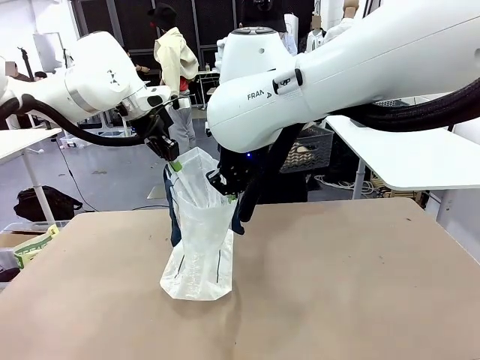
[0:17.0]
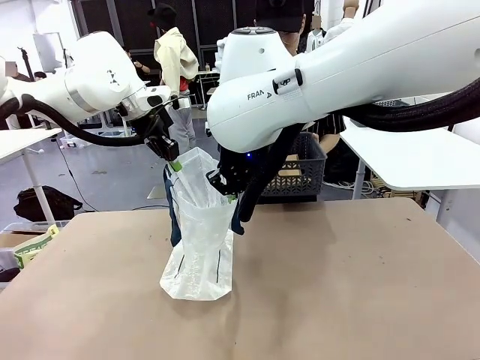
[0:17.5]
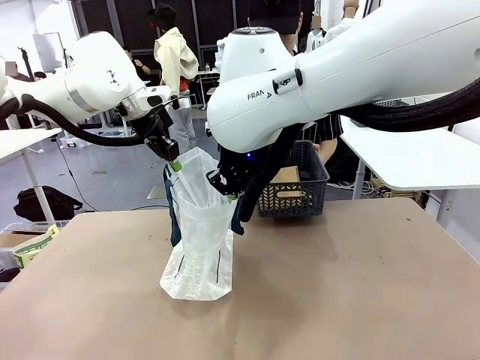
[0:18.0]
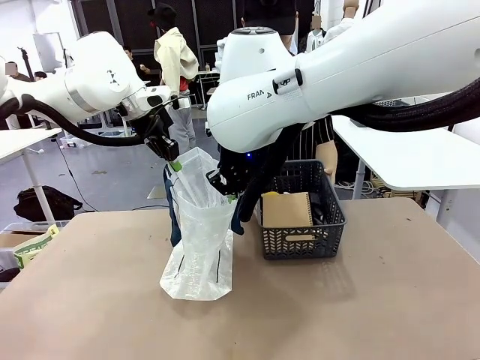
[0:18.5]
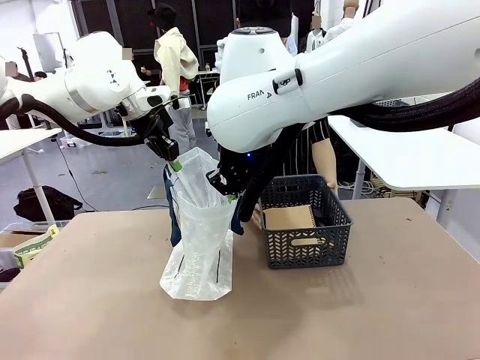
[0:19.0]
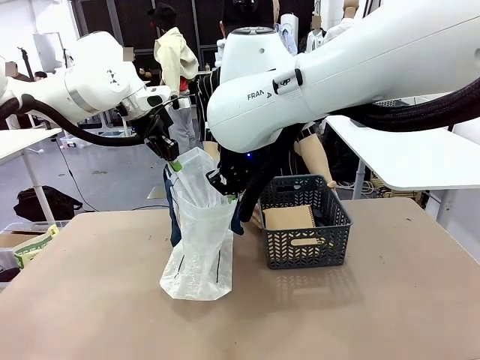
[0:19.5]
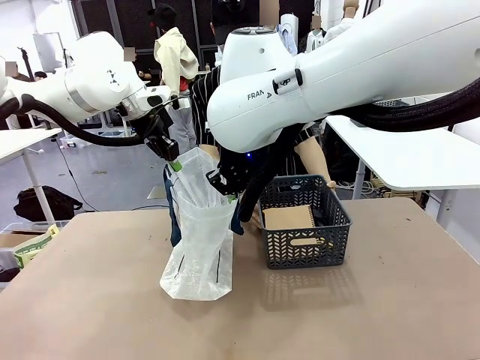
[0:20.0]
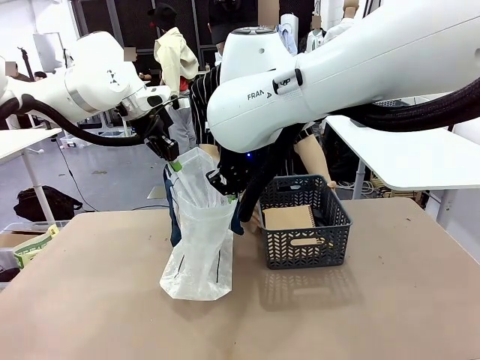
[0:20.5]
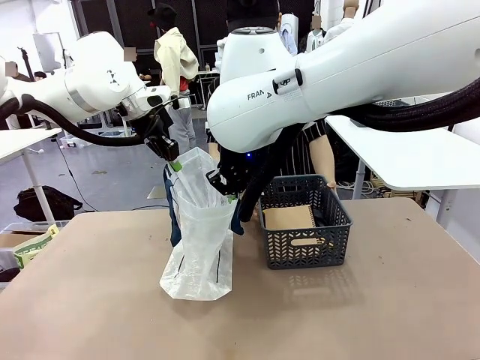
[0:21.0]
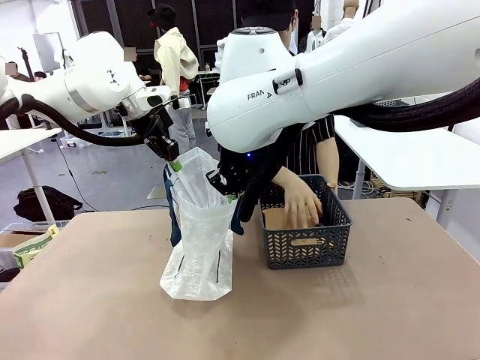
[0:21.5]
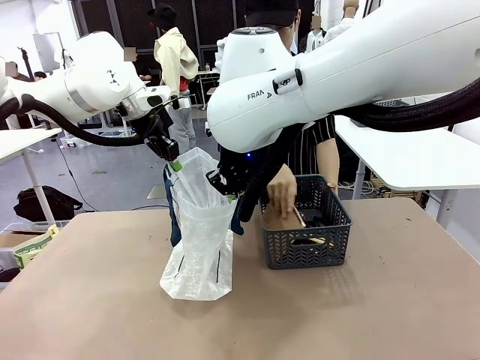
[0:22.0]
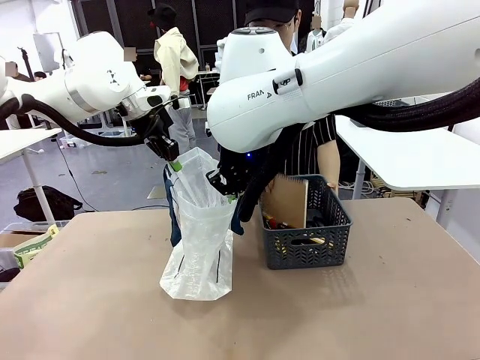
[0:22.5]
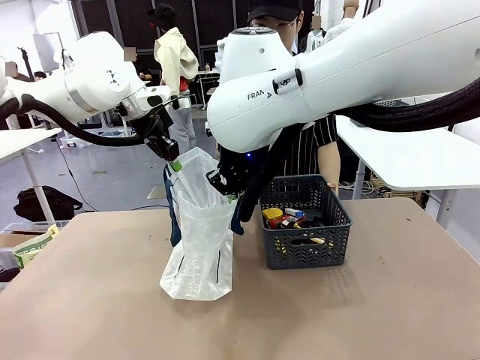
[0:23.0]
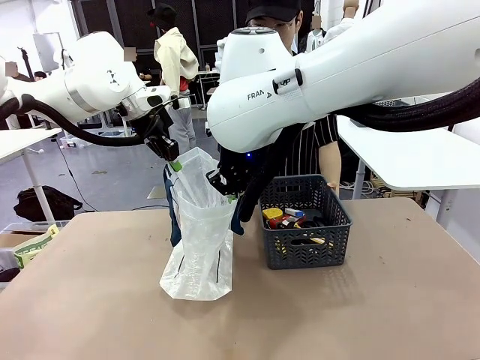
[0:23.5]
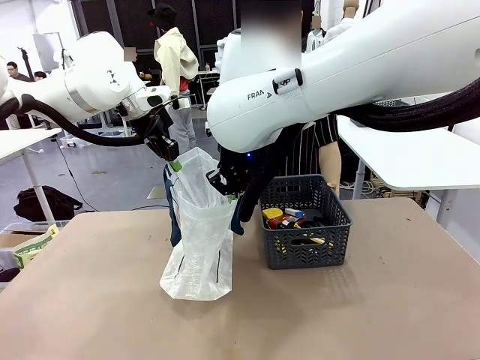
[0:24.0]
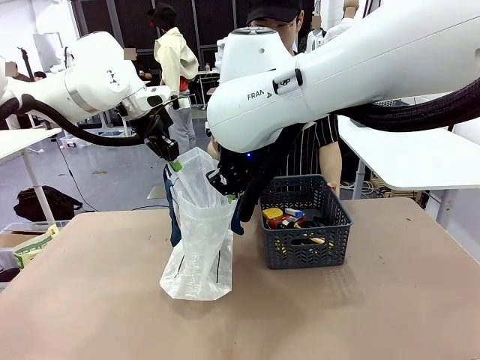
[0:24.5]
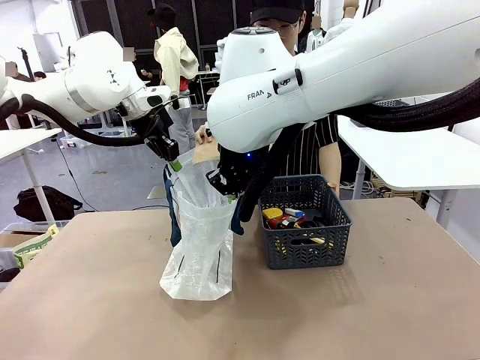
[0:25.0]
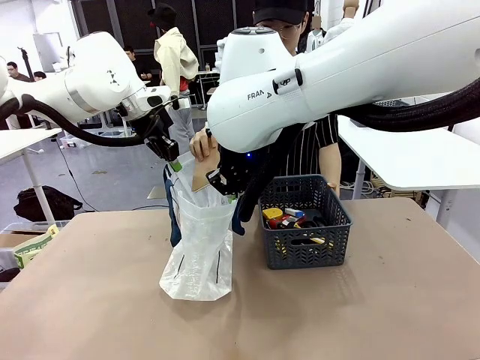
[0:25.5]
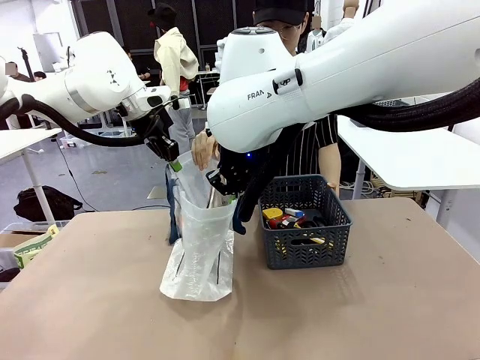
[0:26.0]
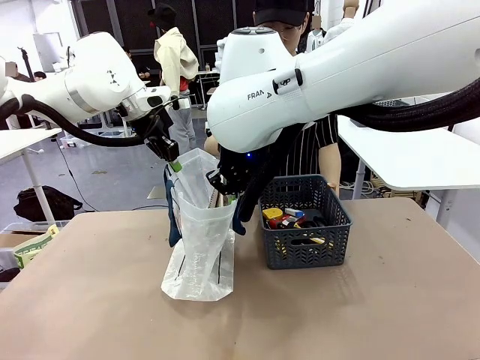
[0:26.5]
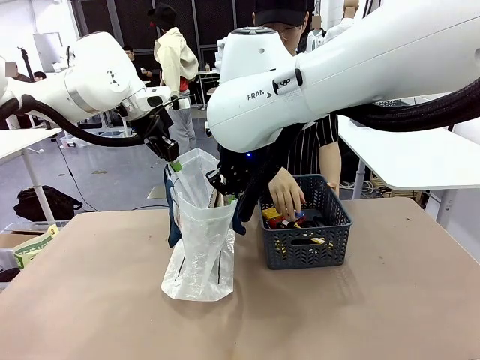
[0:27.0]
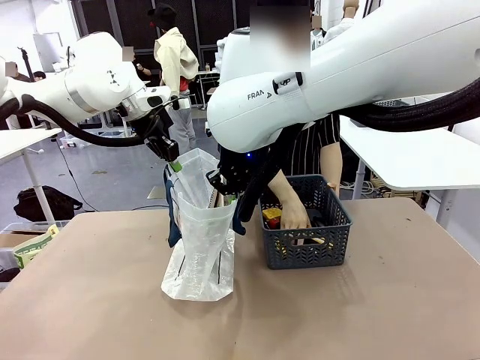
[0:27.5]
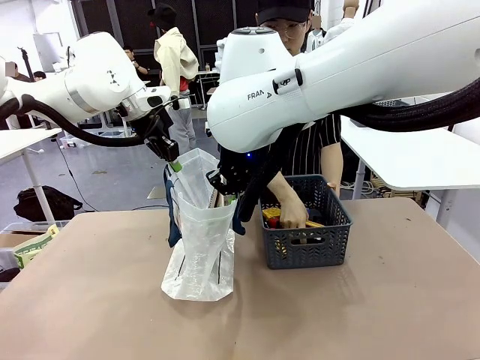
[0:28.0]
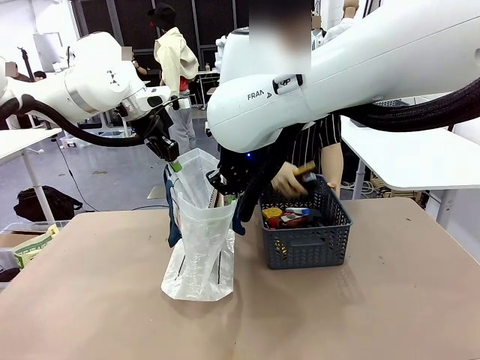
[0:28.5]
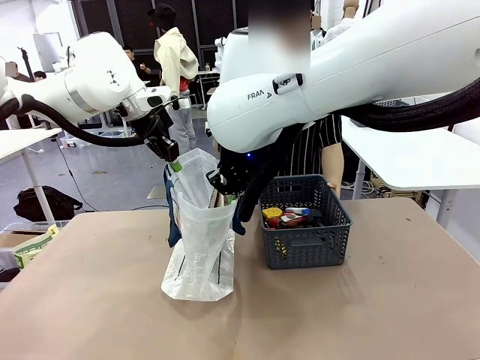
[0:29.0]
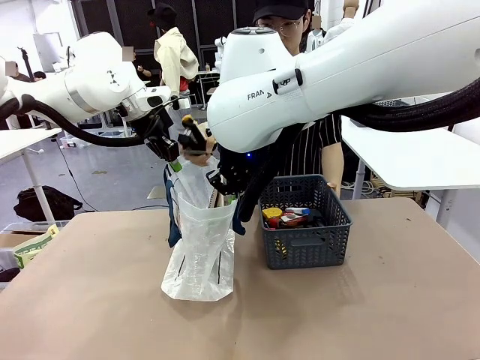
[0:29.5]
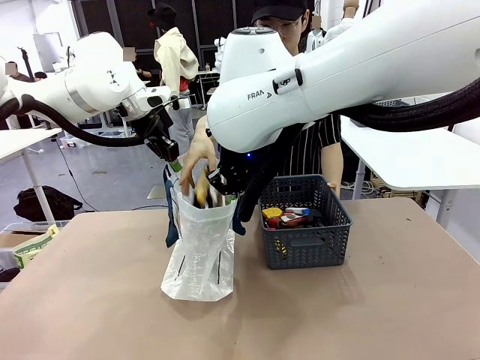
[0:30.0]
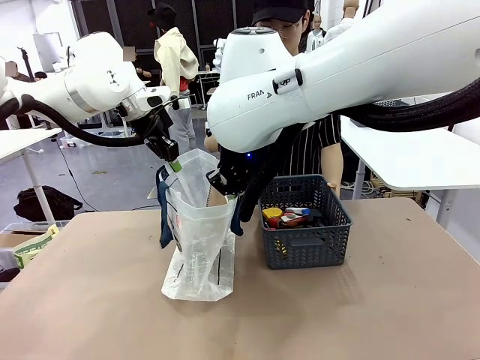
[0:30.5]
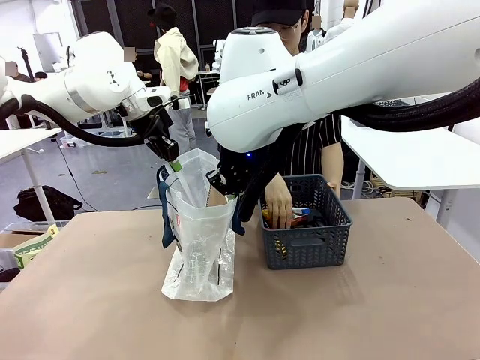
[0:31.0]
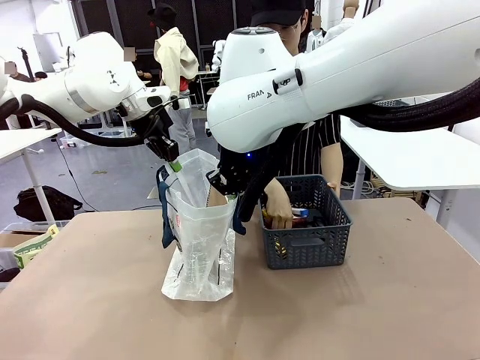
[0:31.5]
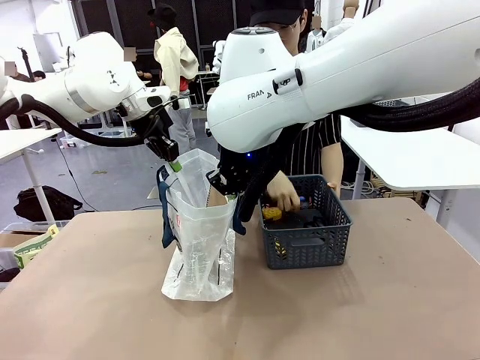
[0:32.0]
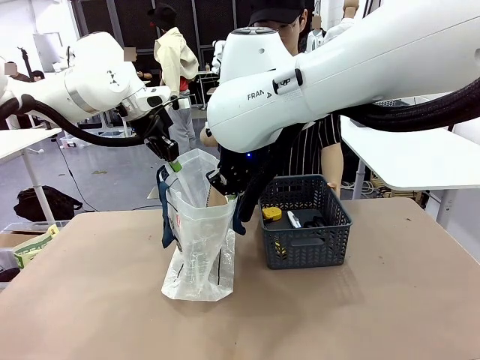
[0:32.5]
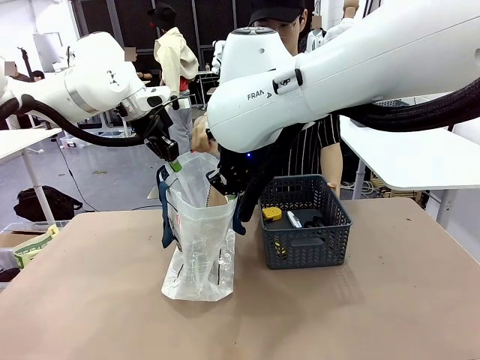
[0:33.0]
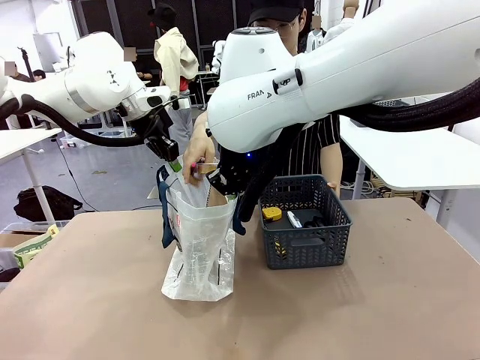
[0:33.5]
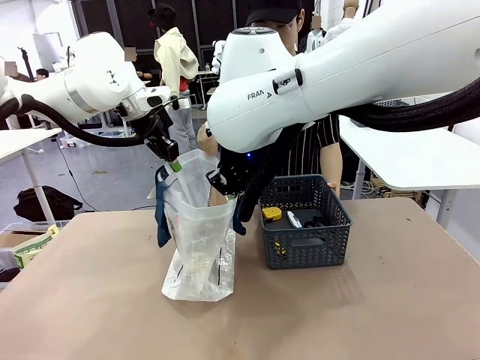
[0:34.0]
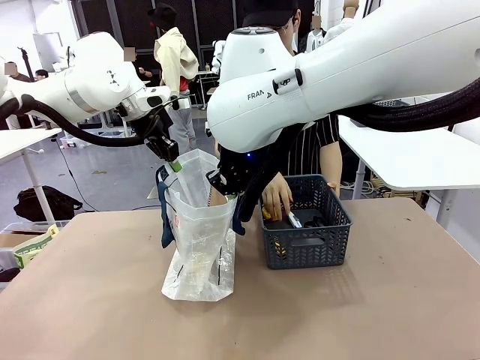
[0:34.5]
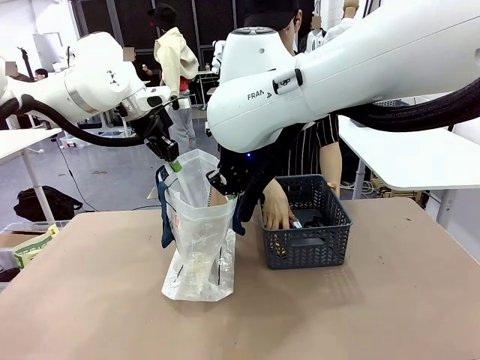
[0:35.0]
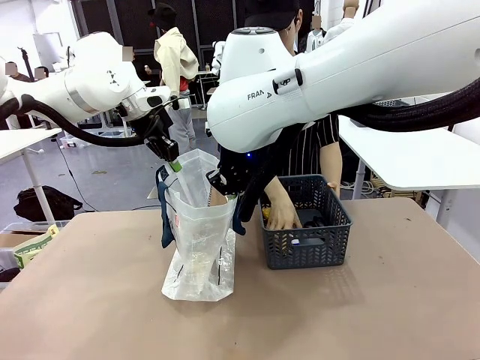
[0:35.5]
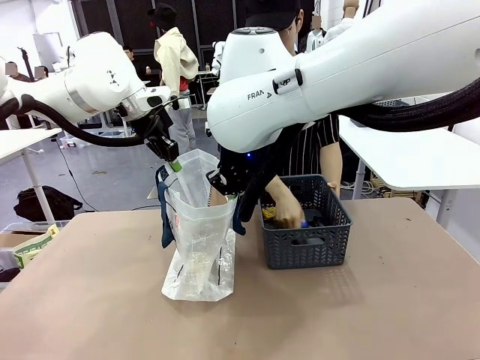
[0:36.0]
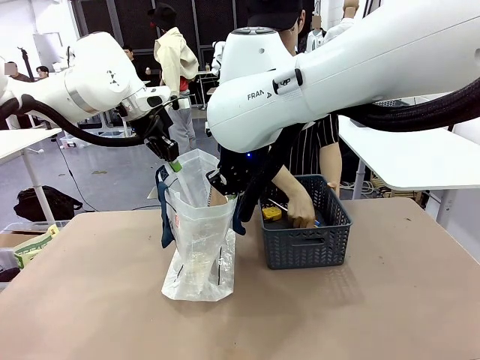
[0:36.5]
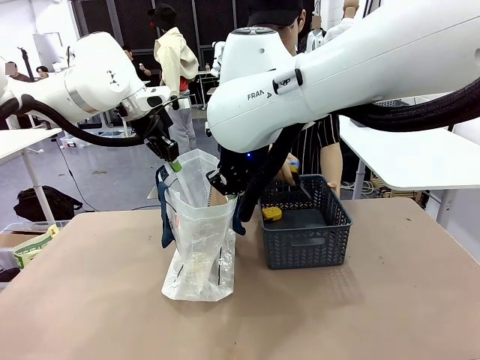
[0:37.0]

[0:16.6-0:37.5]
Task: Transfer purchased items from the store into the shopping bag.
Robot: Move the Reusable shopping bag to the right side of the table.
Person: Pick up the basket with the items out and place it on the right side of the human table.
